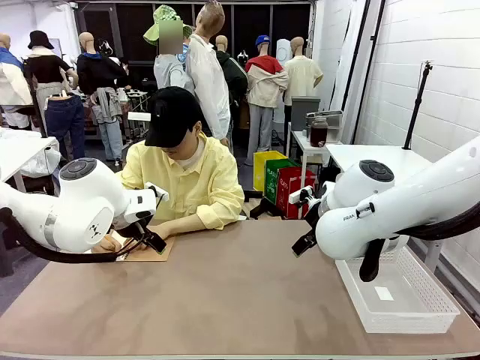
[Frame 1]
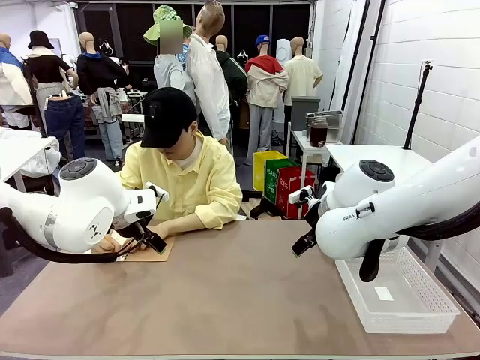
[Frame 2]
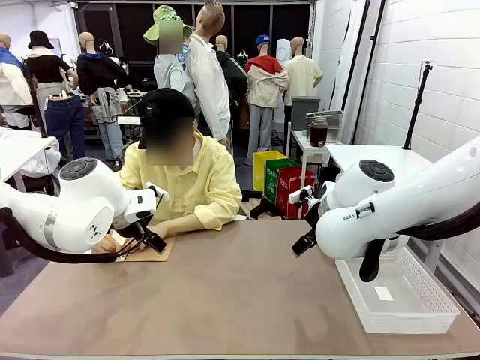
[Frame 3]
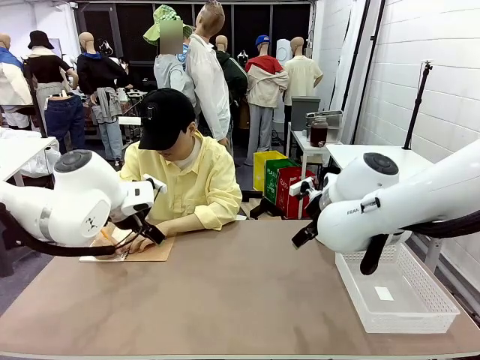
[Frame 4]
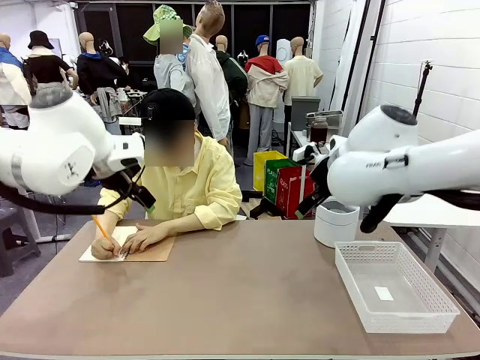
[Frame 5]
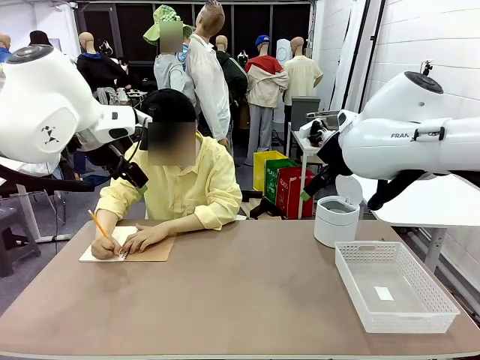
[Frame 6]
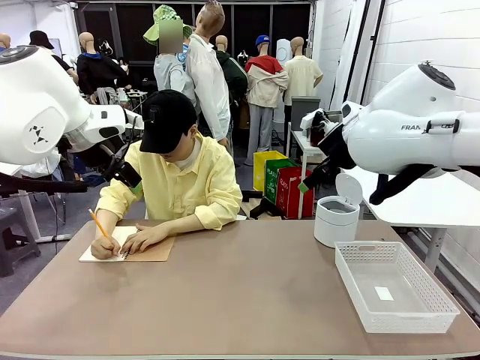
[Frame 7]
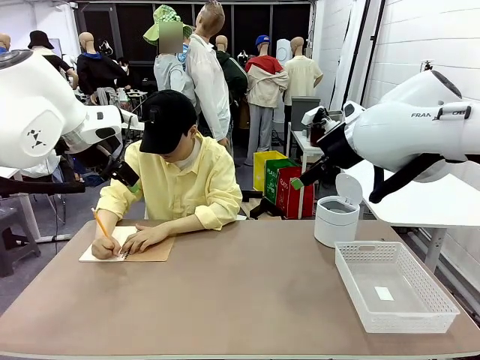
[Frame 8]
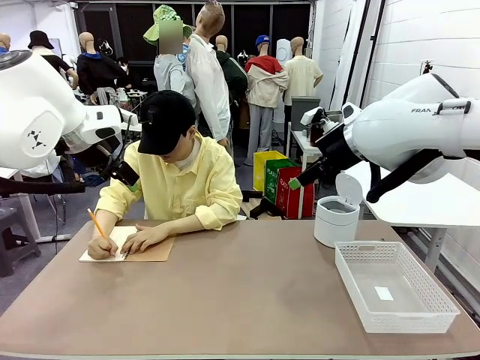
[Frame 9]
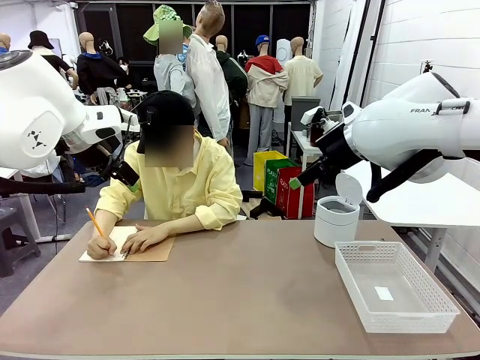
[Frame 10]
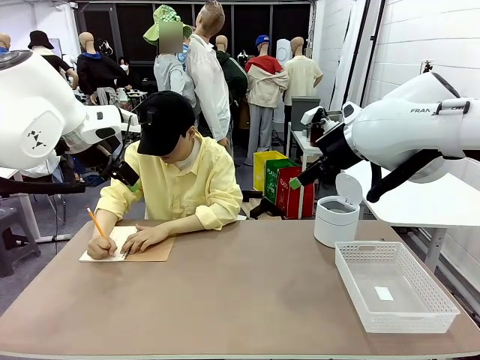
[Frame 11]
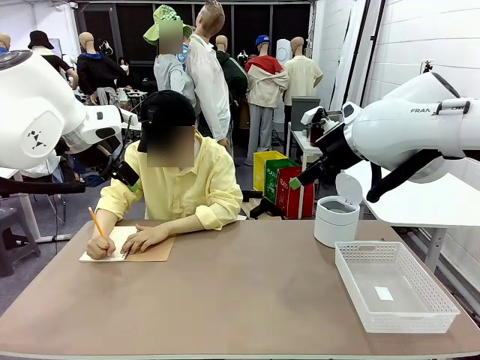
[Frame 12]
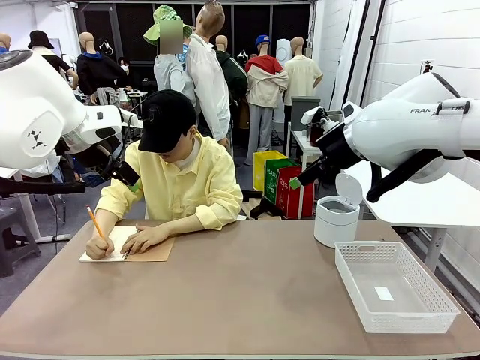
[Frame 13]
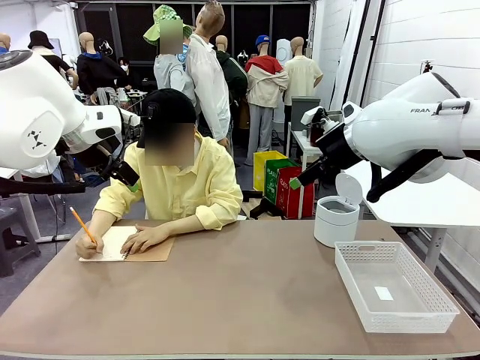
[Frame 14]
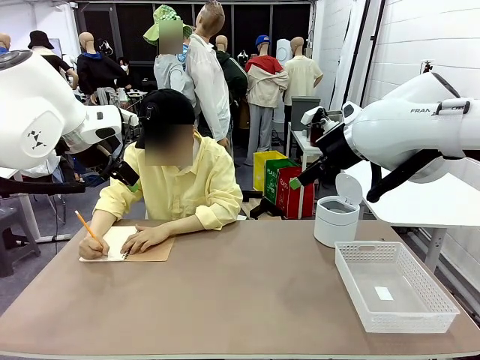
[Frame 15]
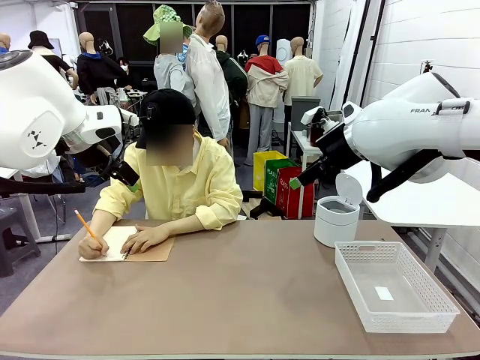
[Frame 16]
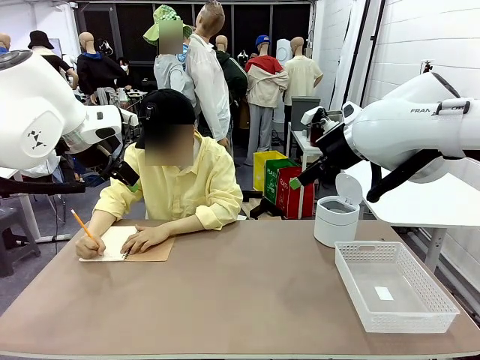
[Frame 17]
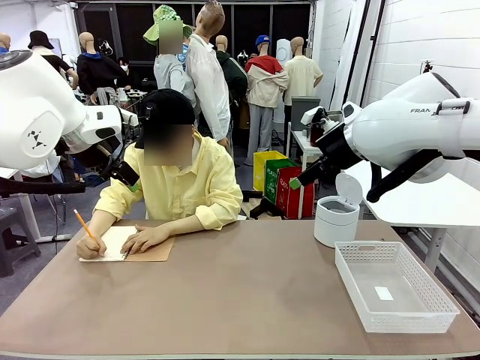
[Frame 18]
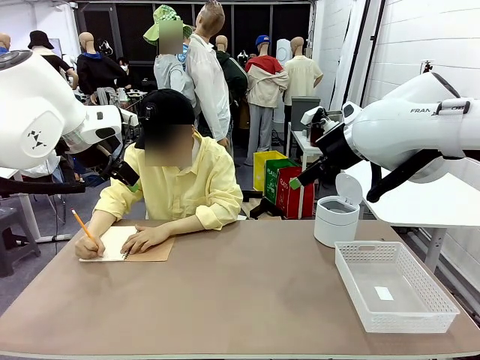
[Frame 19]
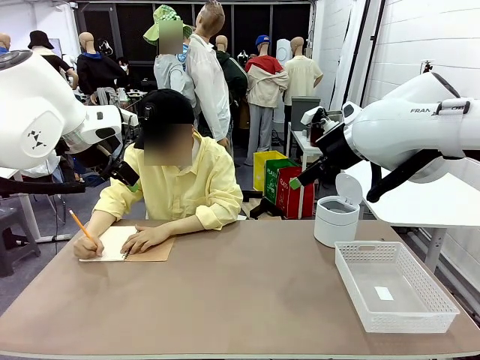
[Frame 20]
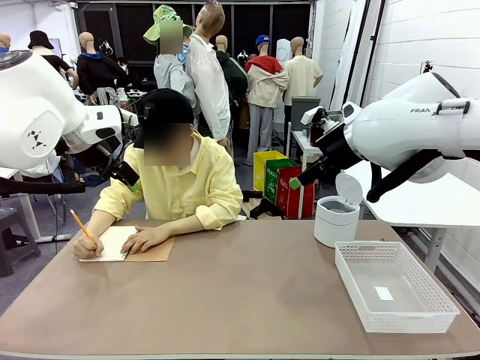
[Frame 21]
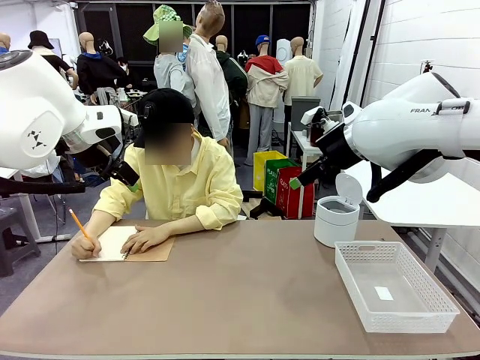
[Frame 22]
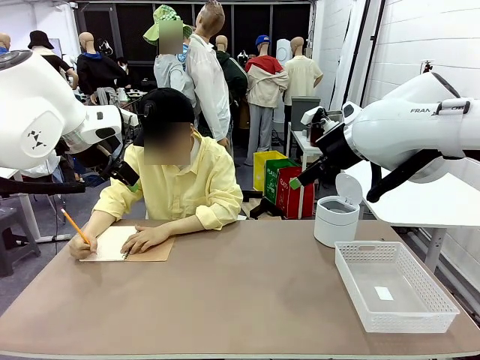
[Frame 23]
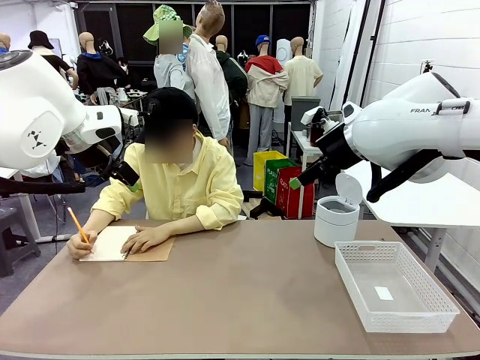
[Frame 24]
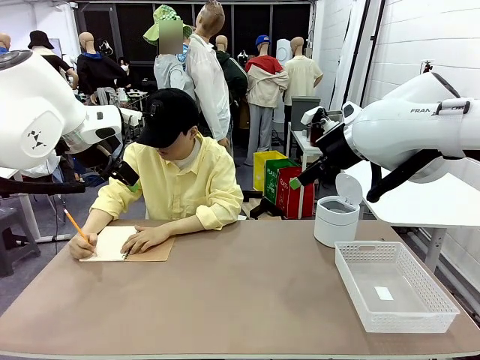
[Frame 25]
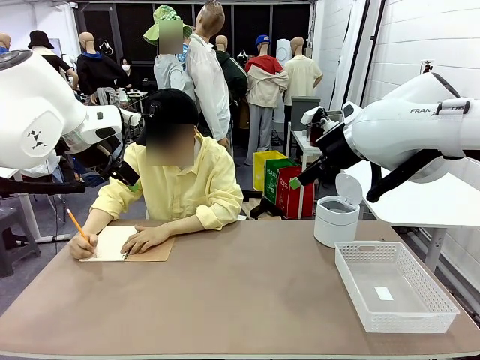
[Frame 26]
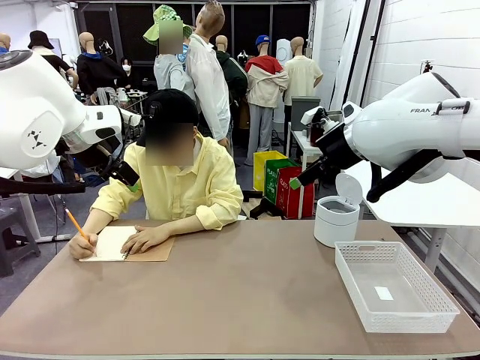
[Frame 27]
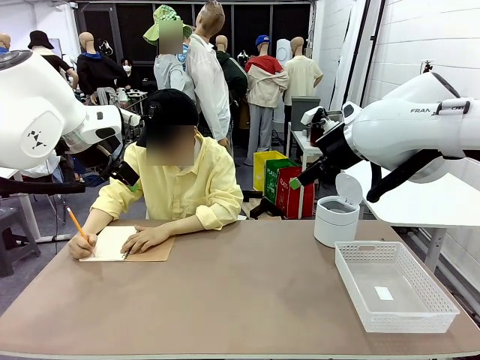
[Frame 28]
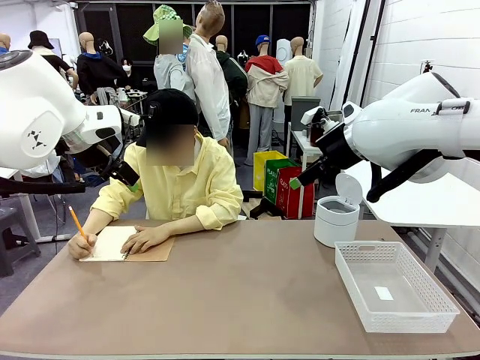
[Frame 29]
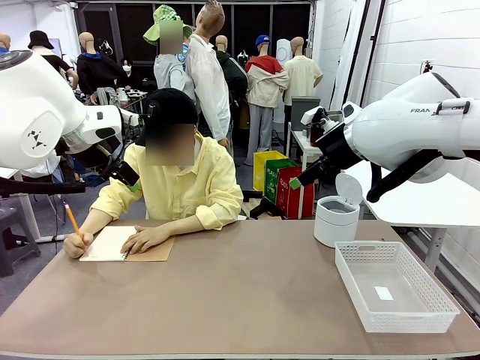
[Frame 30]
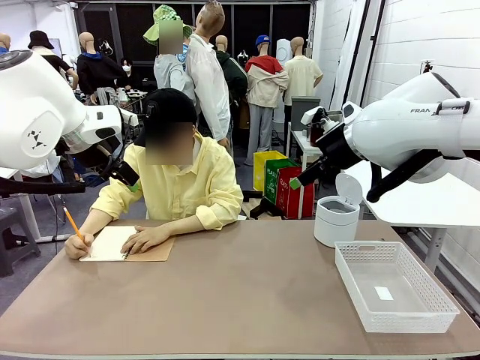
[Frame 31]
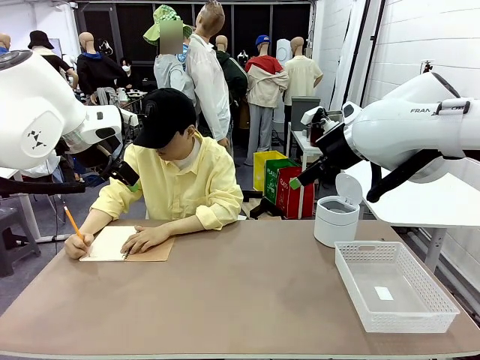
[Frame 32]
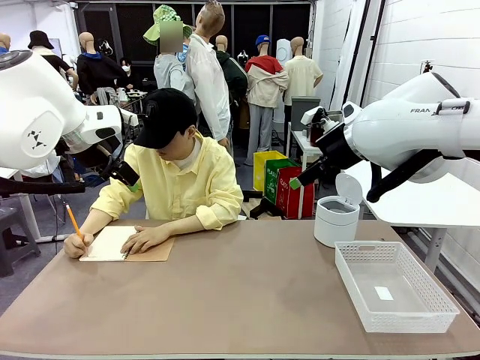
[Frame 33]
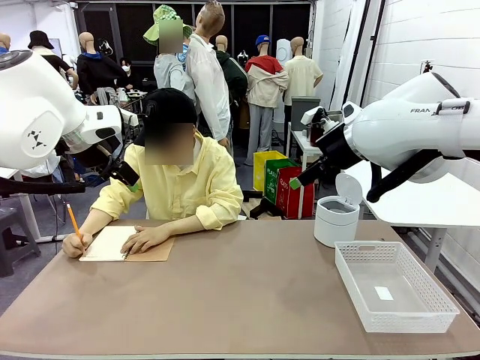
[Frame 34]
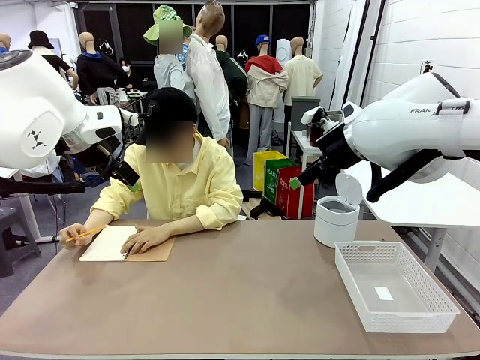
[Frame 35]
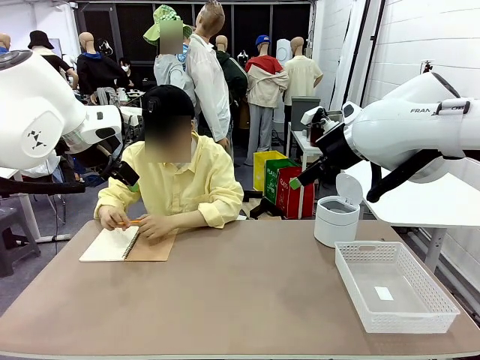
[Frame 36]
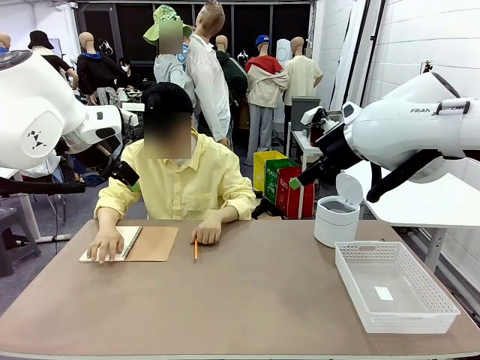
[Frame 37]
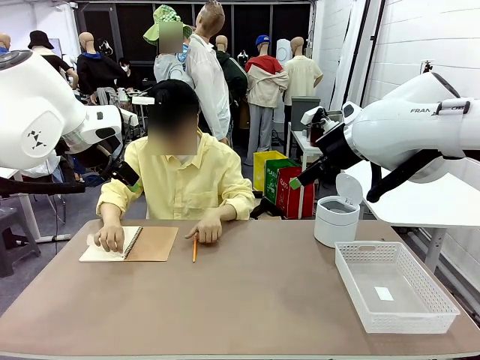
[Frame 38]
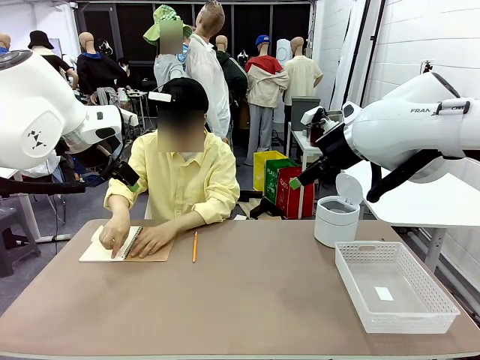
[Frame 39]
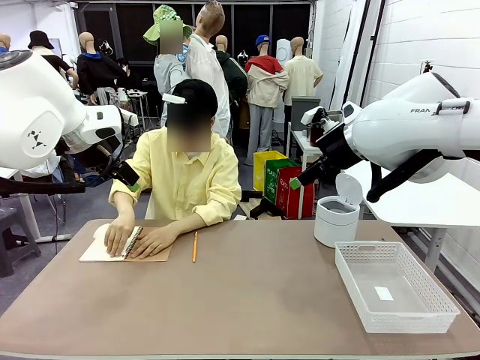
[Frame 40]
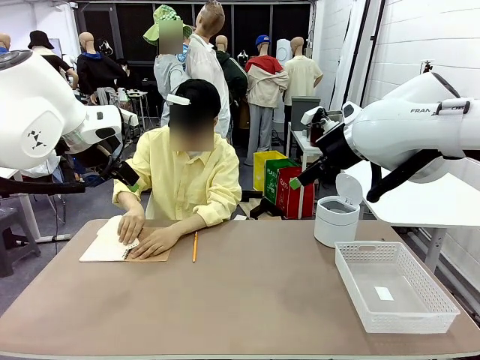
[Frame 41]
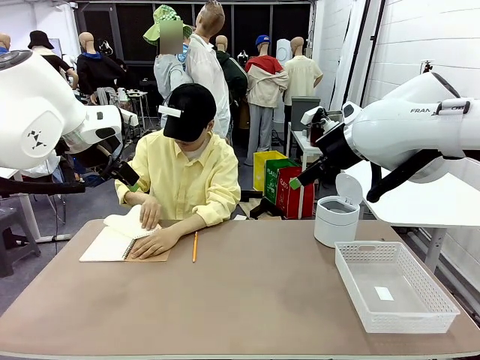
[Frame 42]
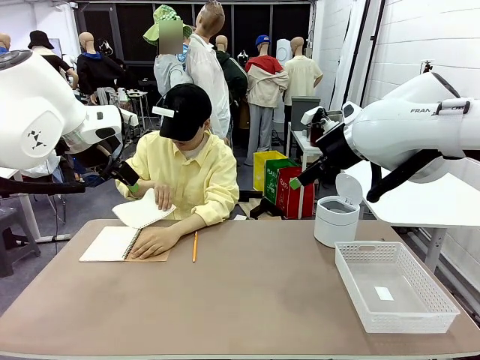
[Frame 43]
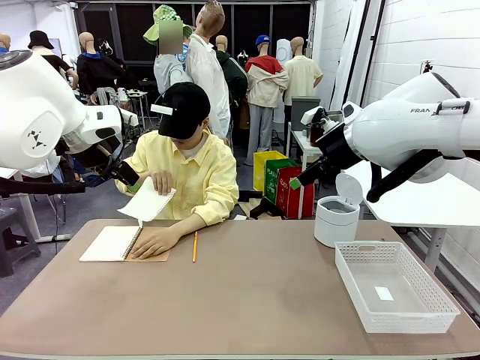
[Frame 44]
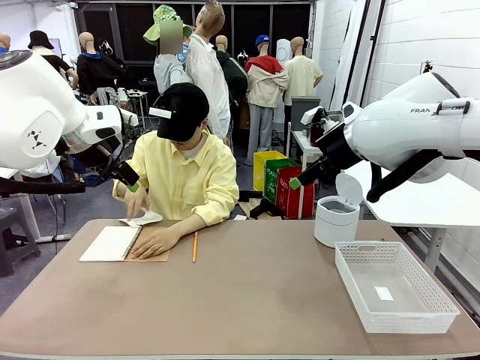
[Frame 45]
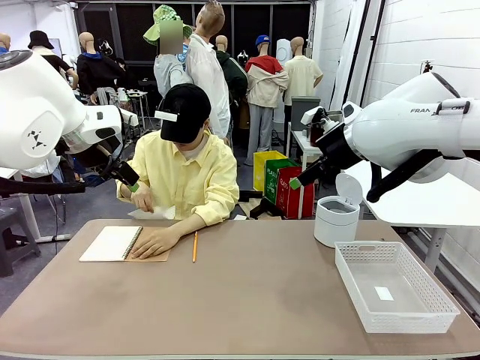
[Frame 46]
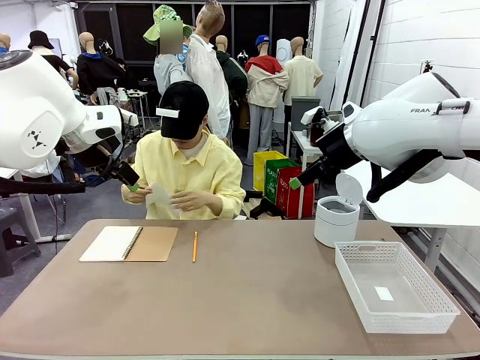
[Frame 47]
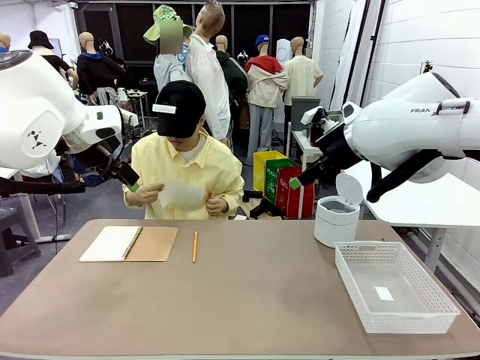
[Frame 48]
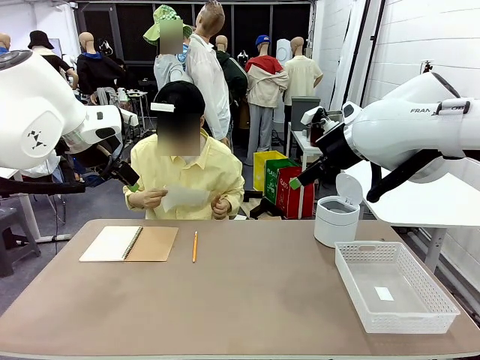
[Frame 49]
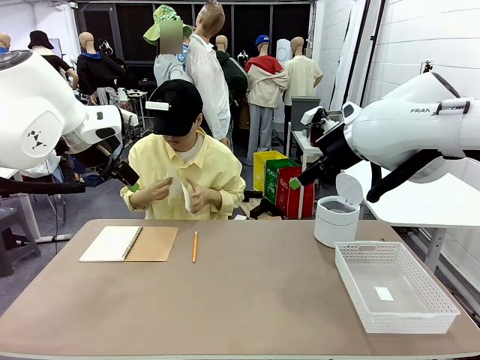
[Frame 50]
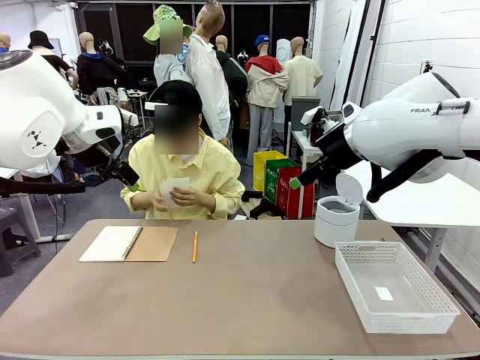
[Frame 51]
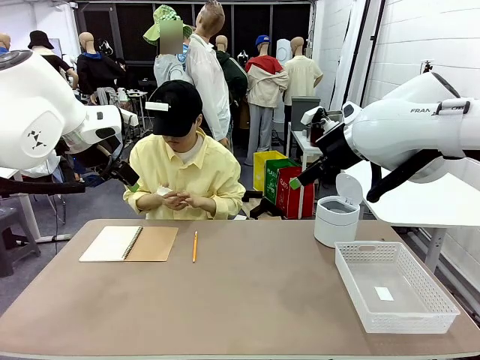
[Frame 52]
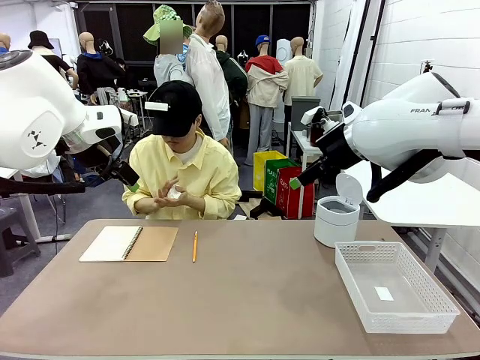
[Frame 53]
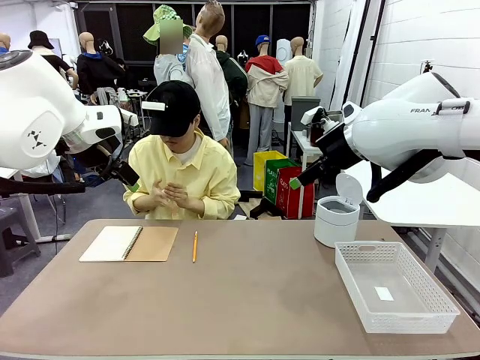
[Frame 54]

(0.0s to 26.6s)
Task: Sort the paper based on its condition.
Robot: If a person hands you a paper, place it in the Organizing basket , and if it's crumpled, put it in the Trash can.
Person: Tear out a page from the spiral notebook.
